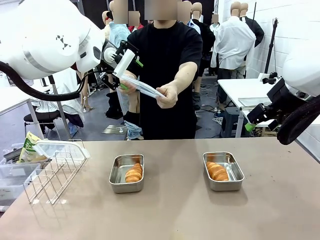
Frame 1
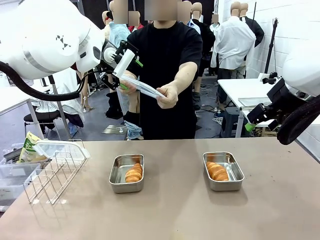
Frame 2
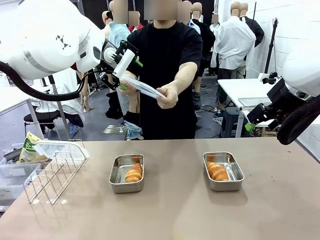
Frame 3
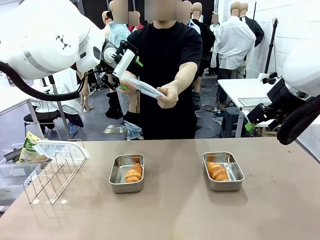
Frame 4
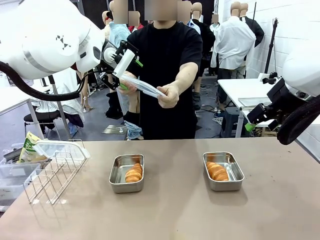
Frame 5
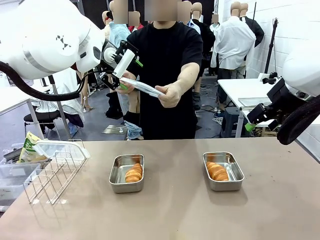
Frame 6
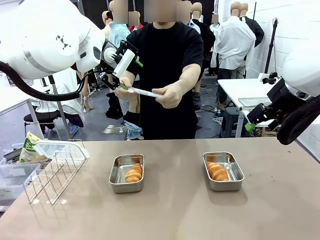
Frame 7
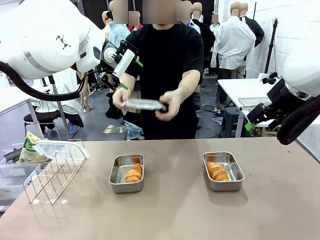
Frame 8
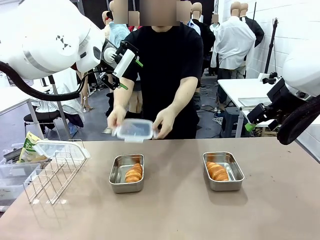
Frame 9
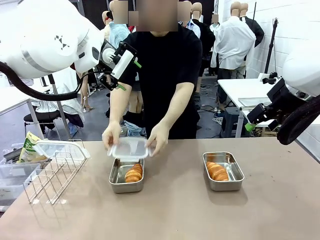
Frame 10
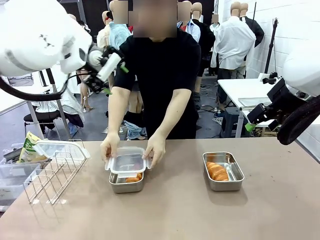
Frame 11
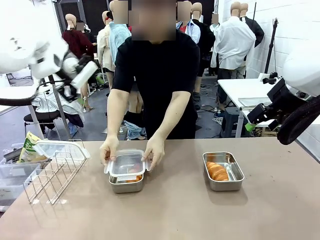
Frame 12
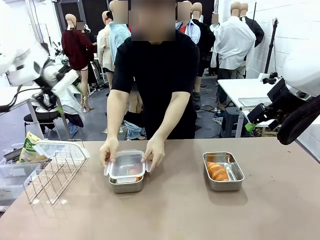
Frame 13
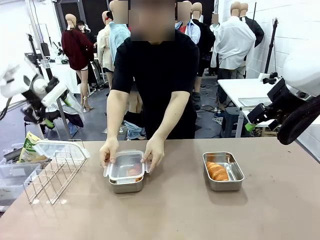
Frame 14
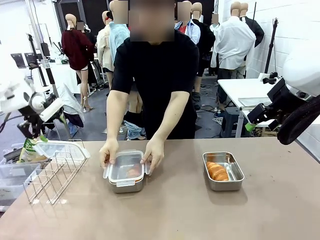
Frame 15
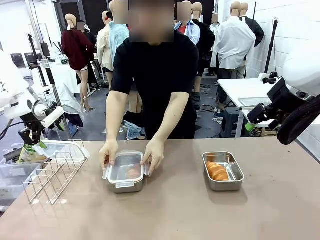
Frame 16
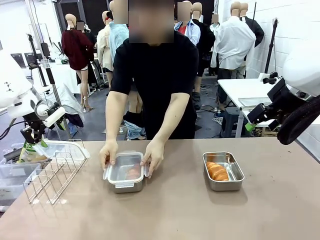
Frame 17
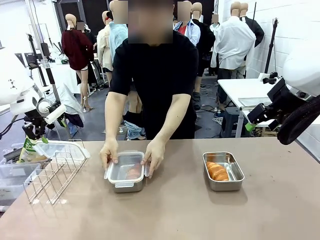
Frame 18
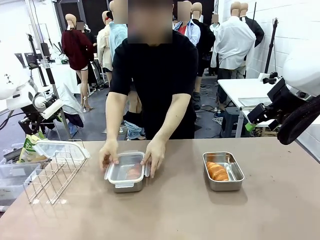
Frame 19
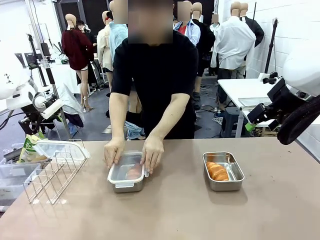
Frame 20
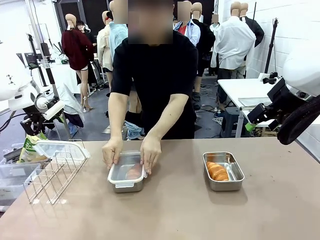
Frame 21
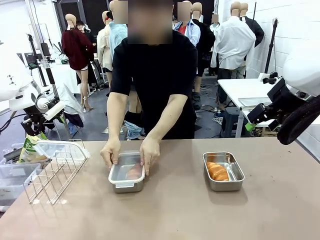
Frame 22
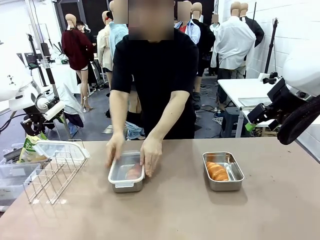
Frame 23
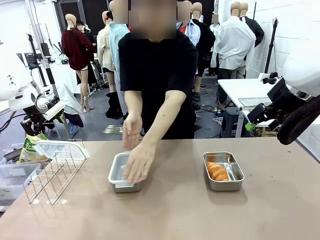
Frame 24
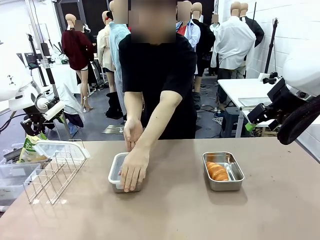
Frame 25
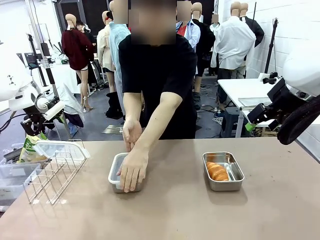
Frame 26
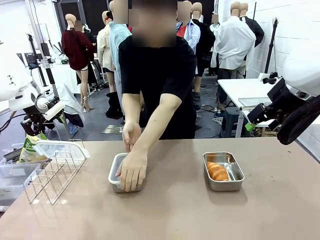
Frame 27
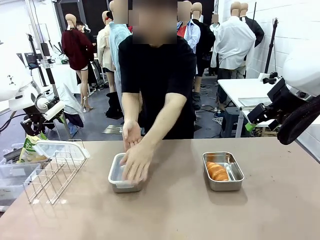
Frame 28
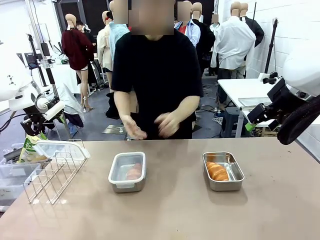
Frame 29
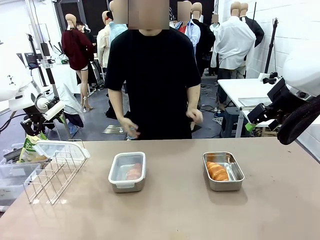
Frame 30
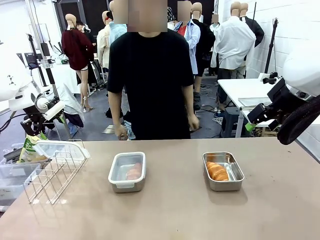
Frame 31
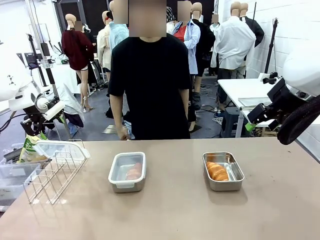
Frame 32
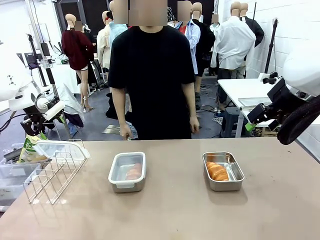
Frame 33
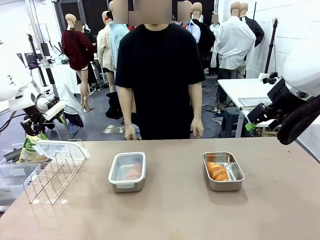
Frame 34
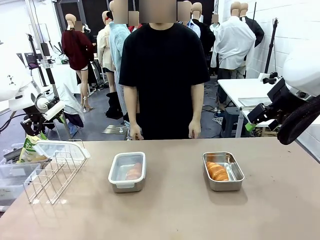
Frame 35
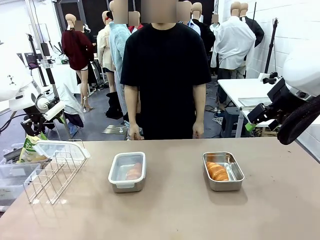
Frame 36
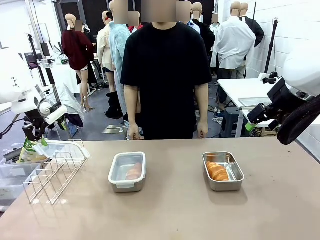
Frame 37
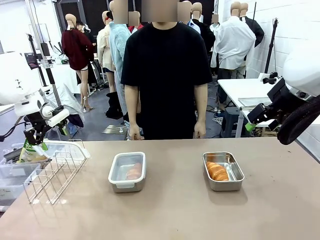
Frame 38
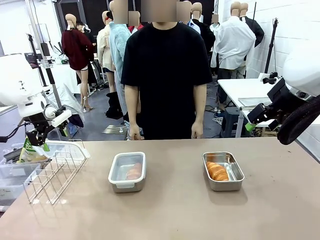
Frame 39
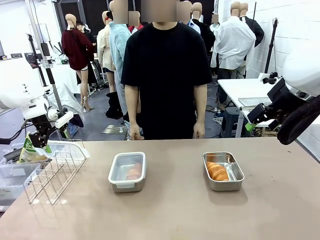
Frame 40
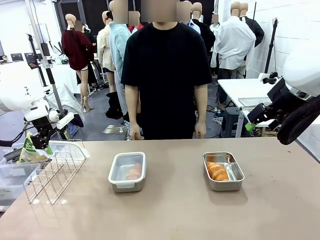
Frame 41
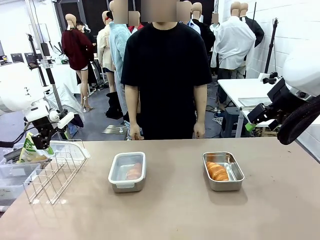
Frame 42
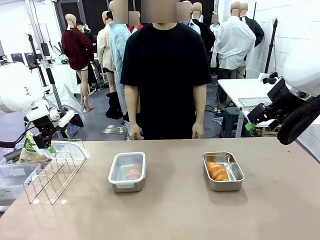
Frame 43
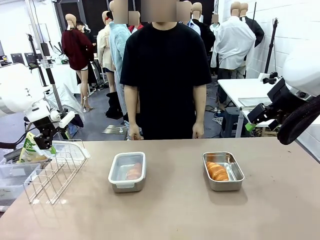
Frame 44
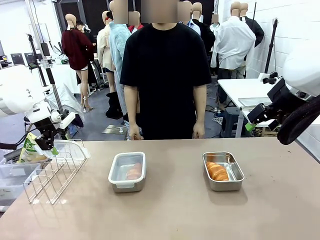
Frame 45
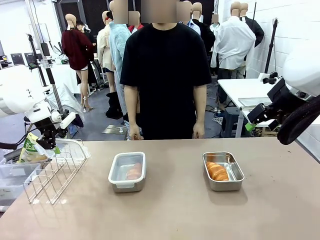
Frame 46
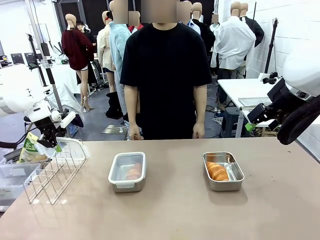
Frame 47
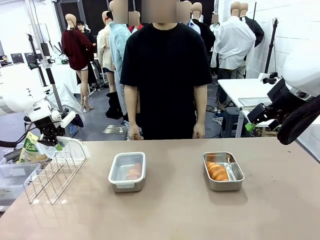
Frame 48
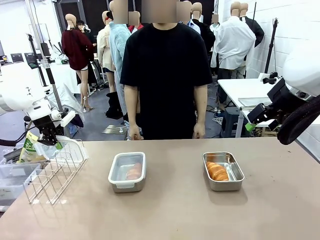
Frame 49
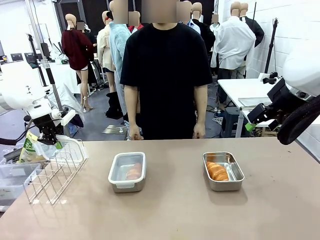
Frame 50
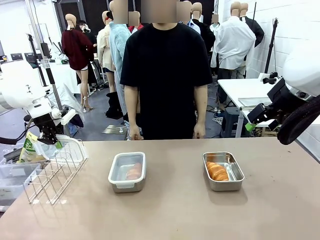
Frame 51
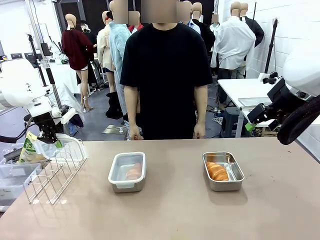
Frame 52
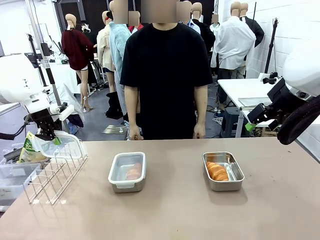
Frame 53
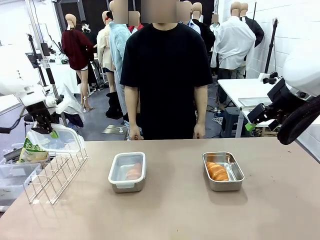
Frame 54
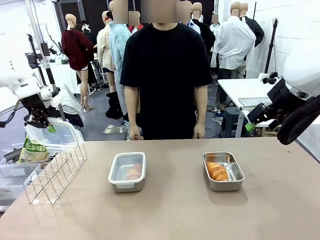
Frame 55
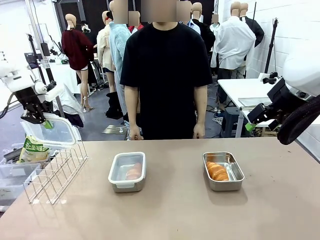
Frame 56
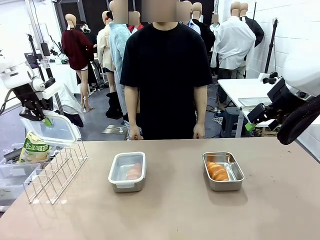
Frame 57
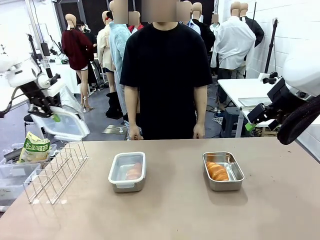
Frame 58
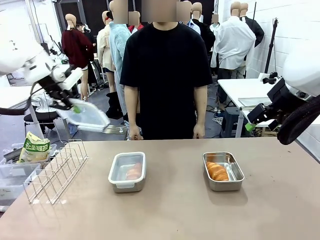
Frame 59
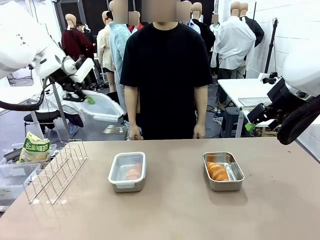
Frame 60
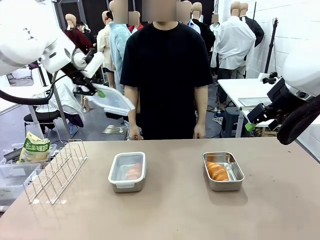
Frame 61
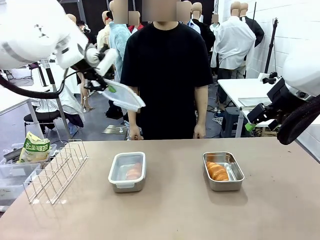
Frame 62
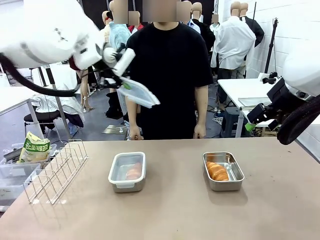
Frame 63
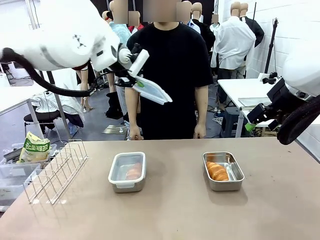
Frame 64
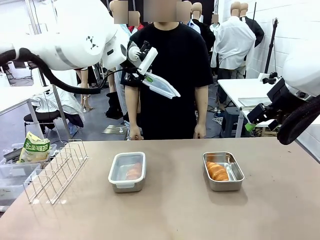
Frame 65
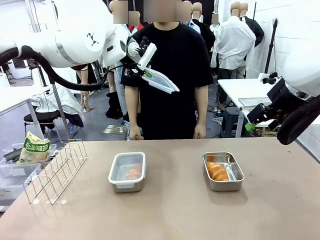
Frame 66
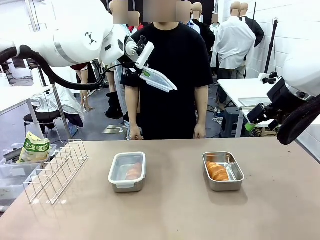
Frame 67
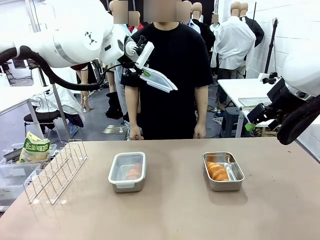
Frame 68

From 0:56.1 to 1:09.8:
Task: Place the bread in airtight containers.
Robot: Pick up one Airtight Container lid and hand it to the human.
Person: Close Airtight Container with a handed Airtight Container lid. Grip Airtight Container lid that robot is handing.

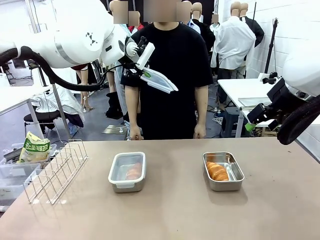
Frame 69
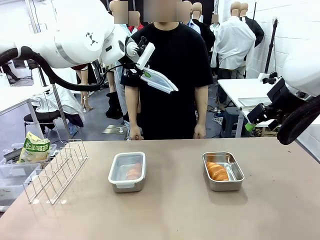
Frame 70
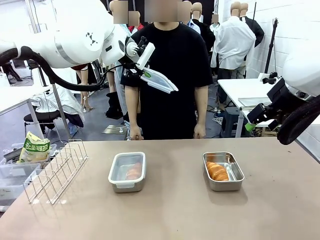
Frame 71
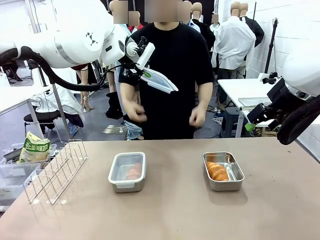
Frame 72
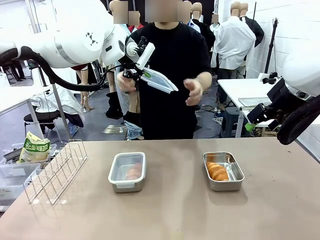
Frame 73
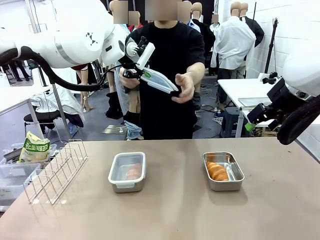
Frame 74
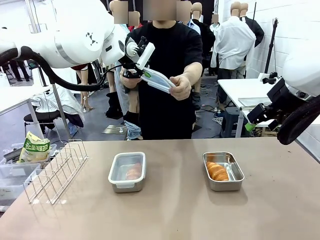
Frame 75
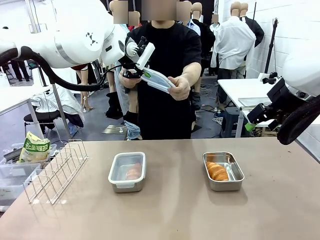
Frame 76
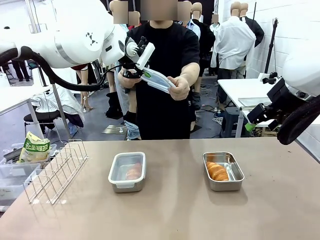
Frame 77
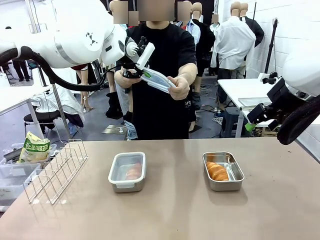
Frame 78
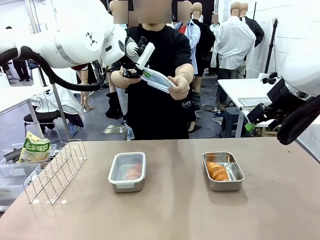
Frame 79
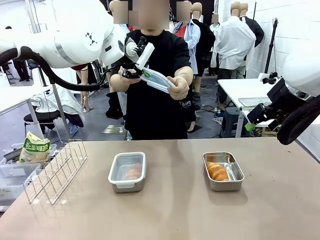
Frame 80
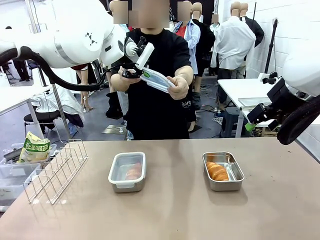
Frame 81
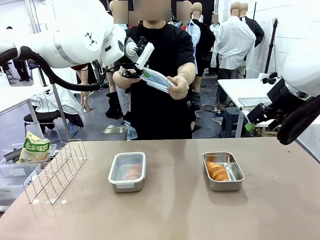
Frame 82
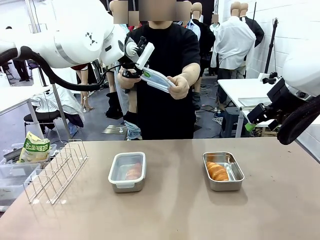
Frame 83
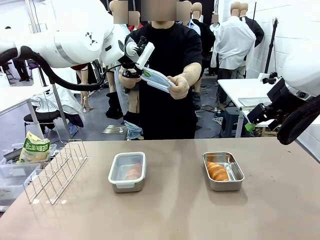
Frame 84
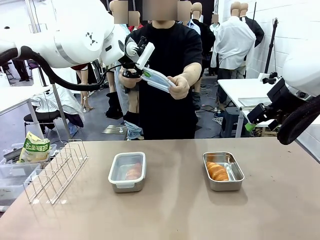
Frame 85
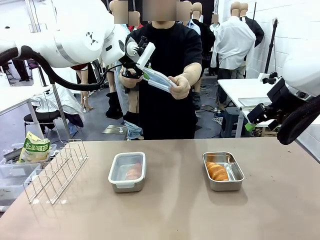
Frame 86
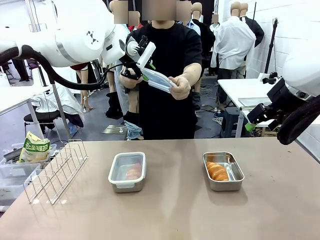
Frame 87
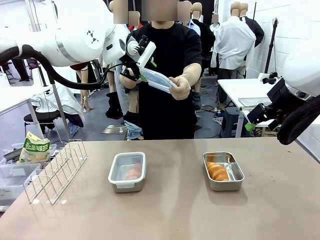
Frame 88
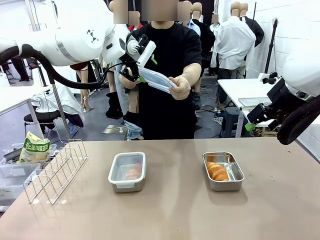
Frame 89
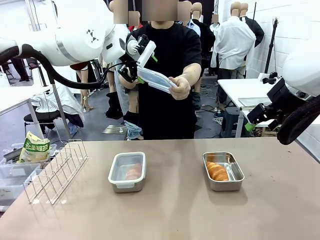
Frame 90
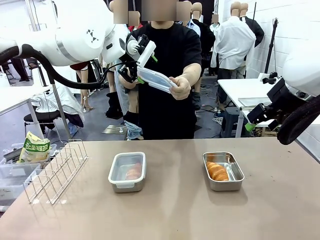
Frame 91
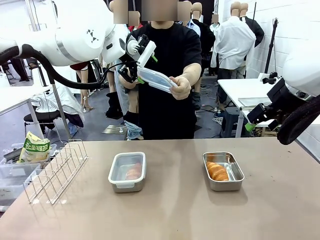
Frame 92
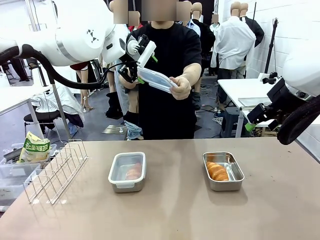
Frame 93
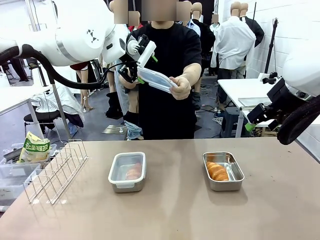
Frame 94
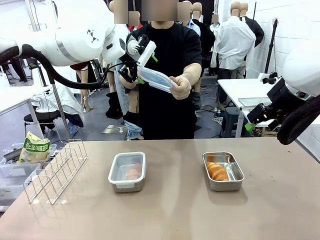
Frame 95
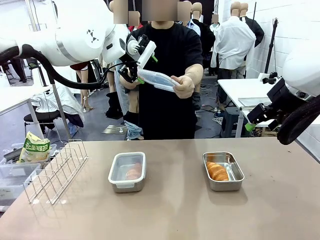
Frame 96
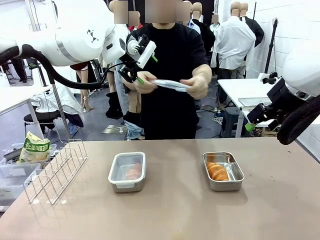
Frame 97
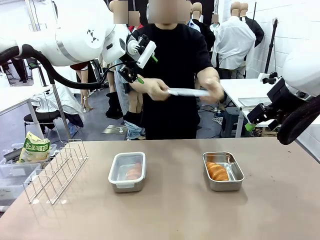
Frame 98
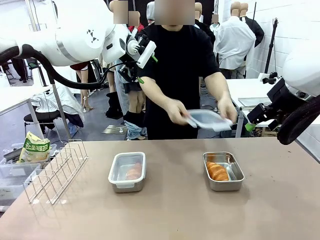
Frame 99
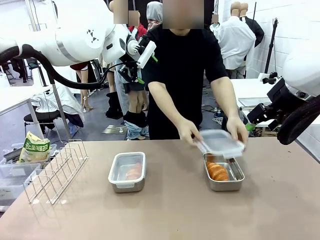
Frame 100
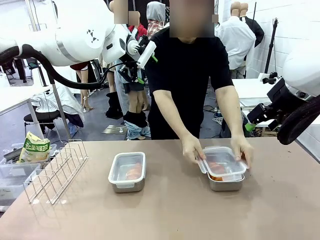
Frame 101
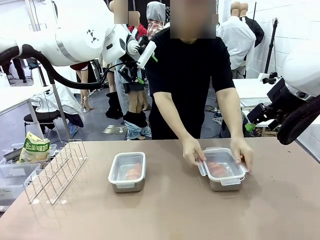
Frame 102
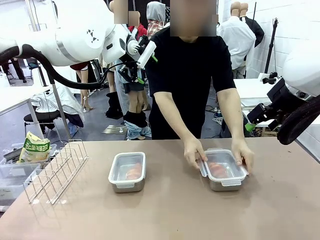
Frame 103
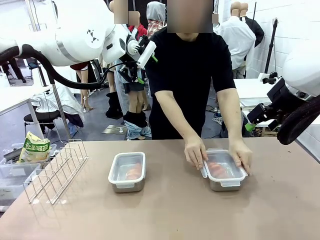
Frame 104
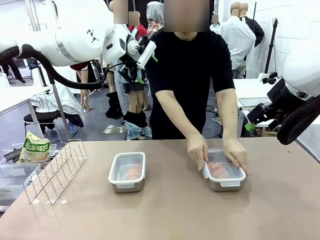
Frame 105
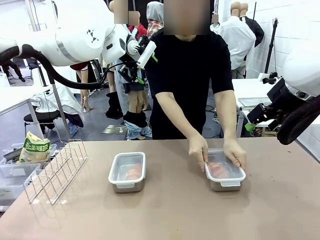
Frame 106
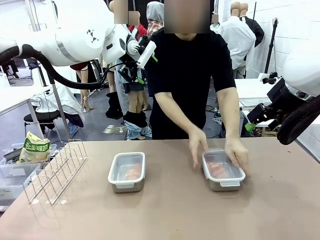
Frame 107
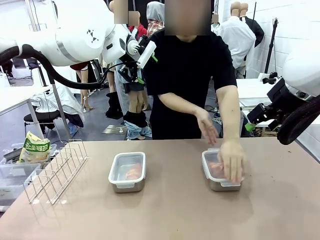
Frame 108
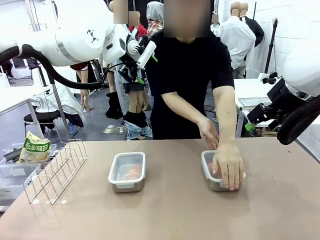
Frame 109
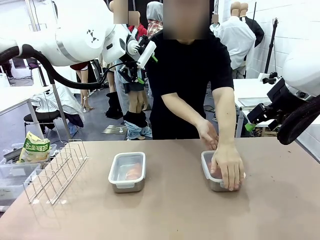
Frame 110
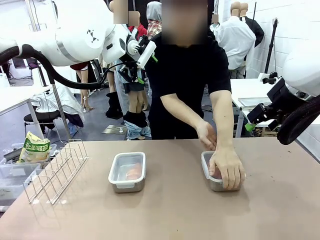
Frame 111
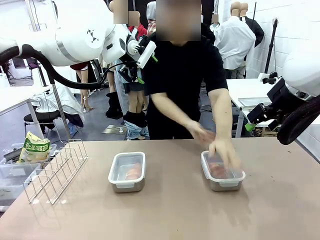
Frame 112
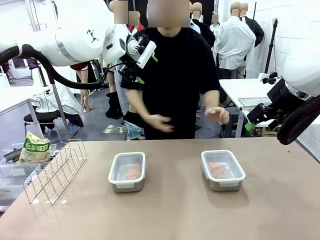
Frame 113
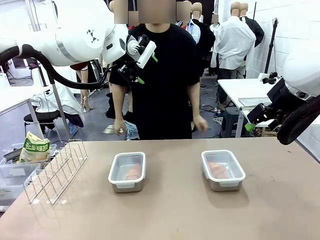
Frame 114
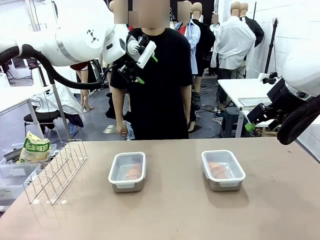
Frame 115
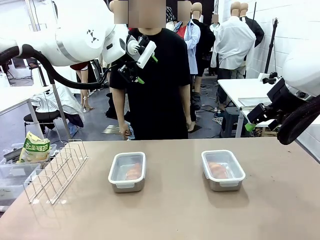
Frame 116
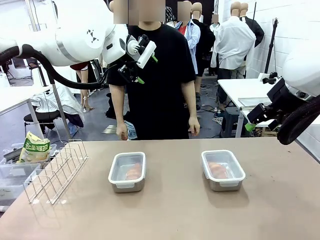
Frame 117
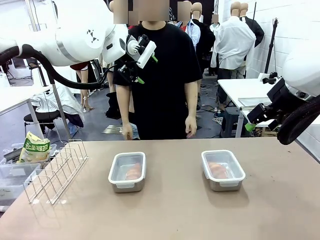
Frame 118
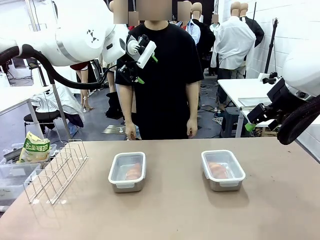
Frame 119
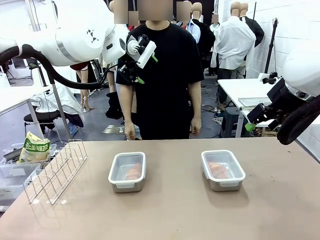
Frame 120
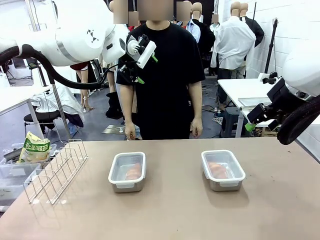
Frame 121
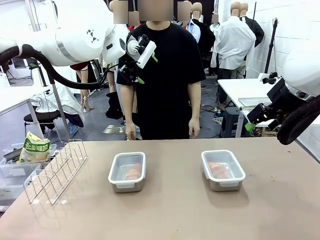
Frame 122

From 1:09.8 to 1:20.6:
Robot: Release when the human grabs the Airtight Container lid.
Person: Close Airtight Container with a handed Airtight Container lid.
